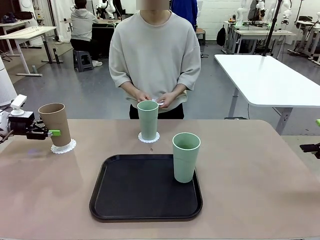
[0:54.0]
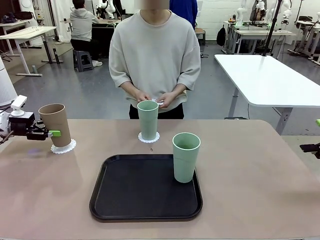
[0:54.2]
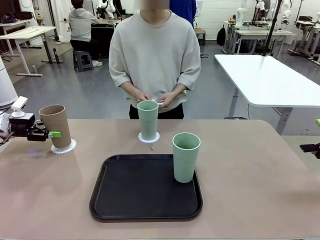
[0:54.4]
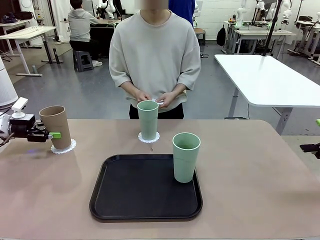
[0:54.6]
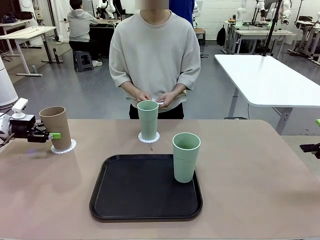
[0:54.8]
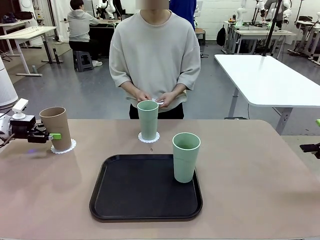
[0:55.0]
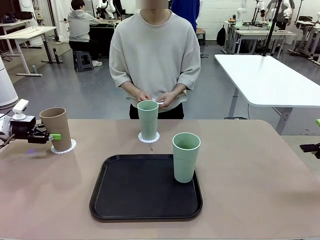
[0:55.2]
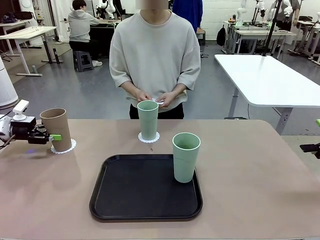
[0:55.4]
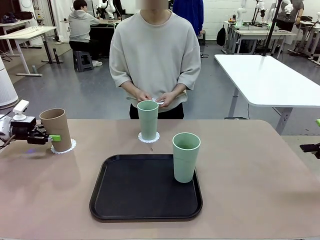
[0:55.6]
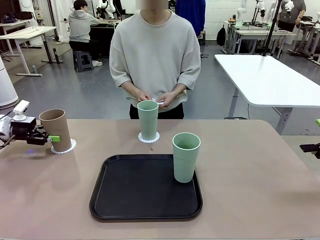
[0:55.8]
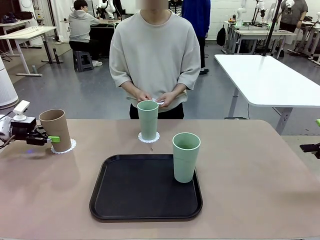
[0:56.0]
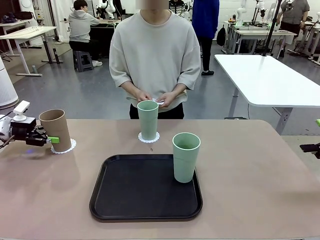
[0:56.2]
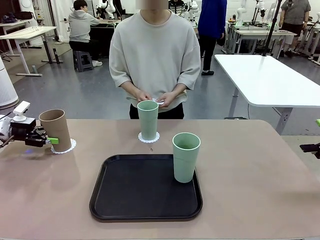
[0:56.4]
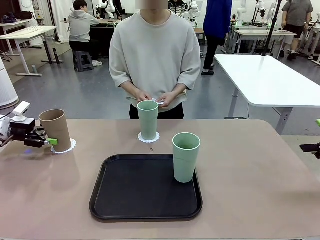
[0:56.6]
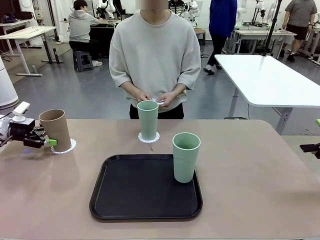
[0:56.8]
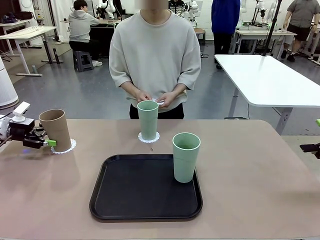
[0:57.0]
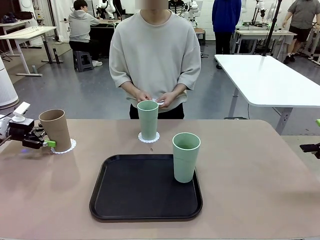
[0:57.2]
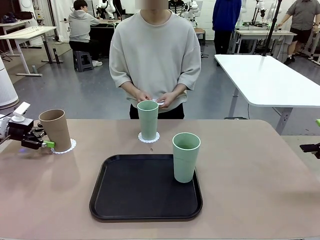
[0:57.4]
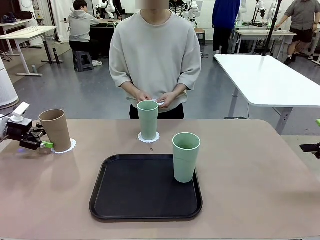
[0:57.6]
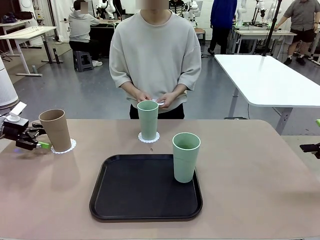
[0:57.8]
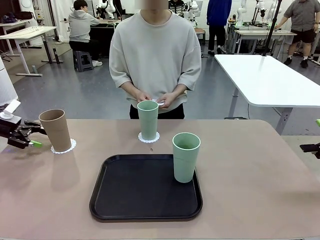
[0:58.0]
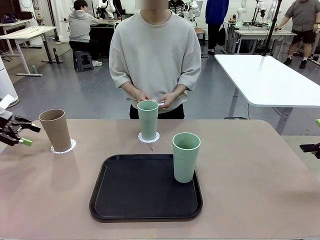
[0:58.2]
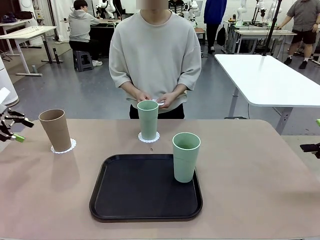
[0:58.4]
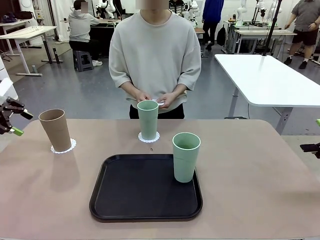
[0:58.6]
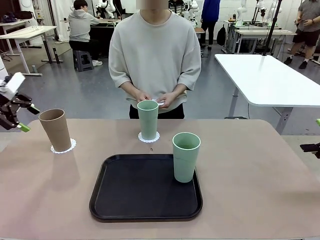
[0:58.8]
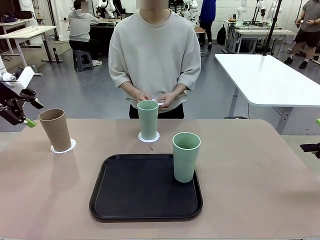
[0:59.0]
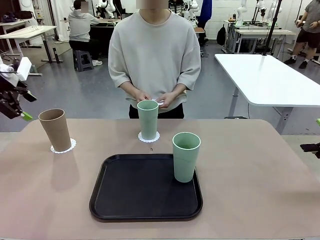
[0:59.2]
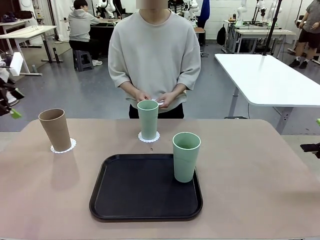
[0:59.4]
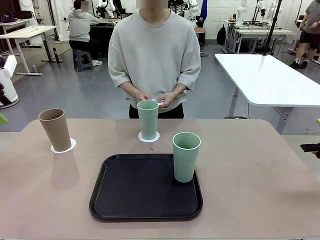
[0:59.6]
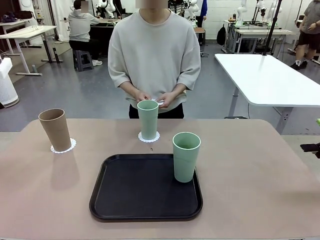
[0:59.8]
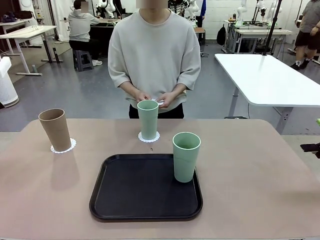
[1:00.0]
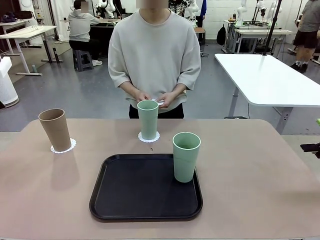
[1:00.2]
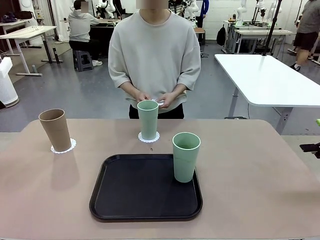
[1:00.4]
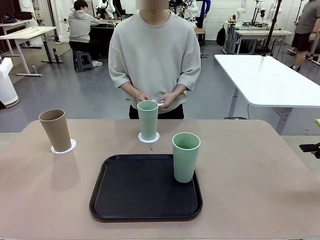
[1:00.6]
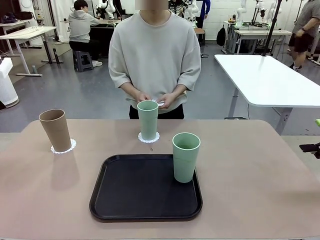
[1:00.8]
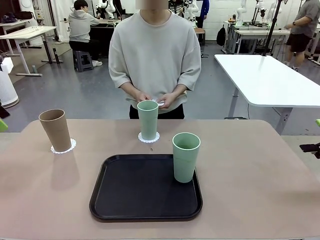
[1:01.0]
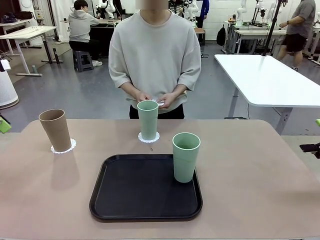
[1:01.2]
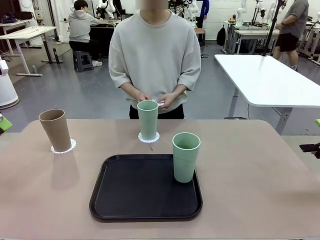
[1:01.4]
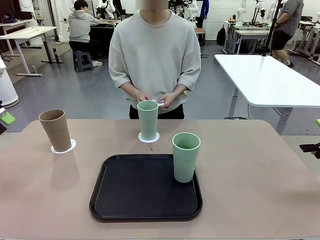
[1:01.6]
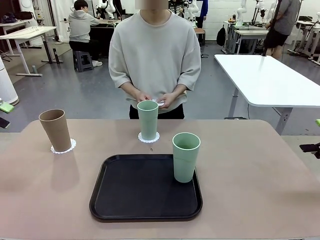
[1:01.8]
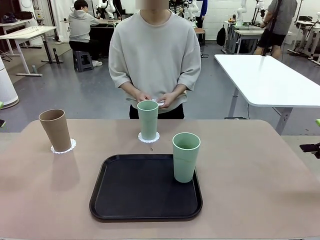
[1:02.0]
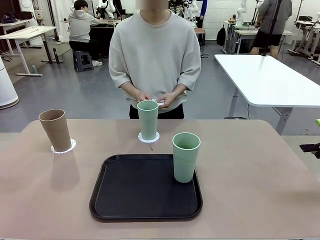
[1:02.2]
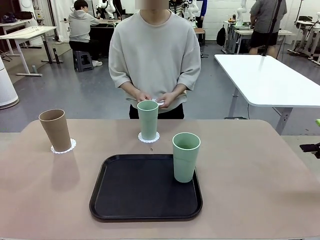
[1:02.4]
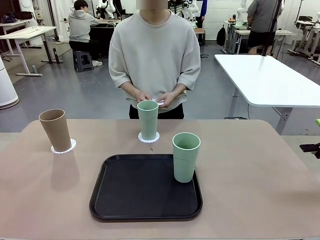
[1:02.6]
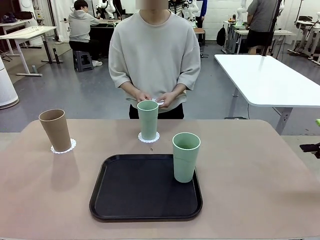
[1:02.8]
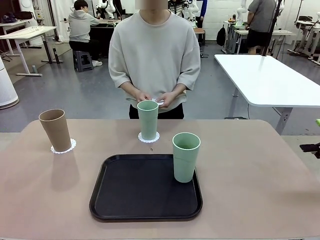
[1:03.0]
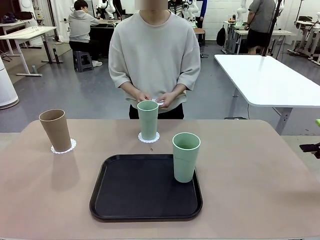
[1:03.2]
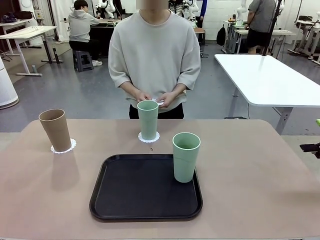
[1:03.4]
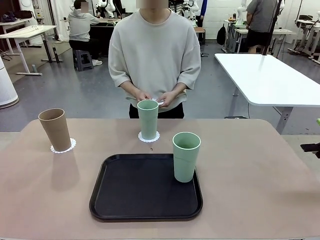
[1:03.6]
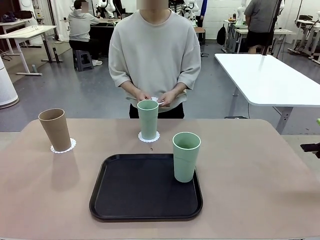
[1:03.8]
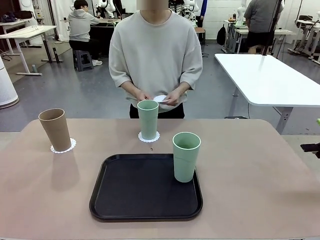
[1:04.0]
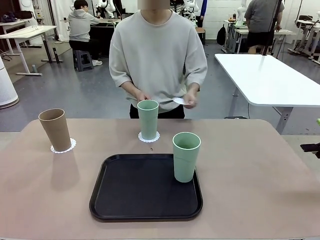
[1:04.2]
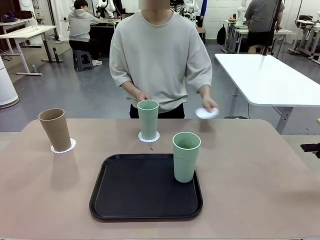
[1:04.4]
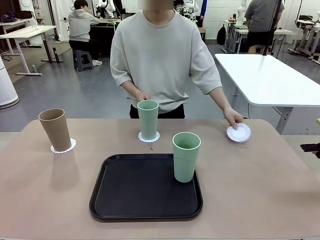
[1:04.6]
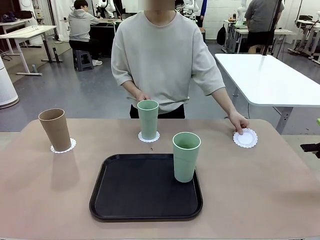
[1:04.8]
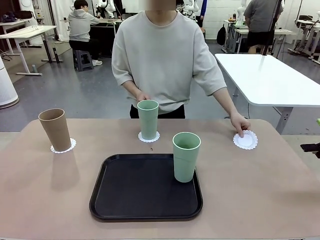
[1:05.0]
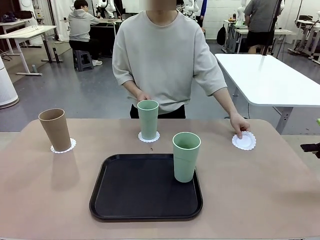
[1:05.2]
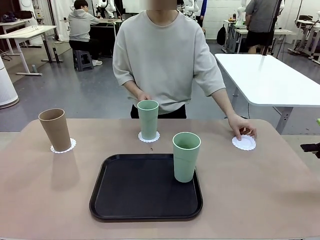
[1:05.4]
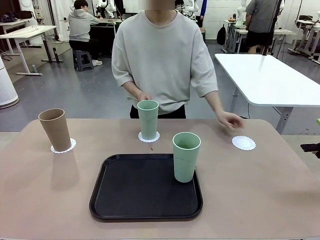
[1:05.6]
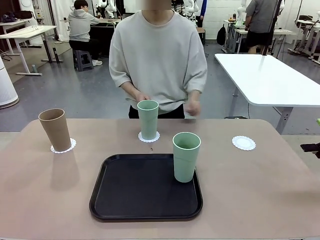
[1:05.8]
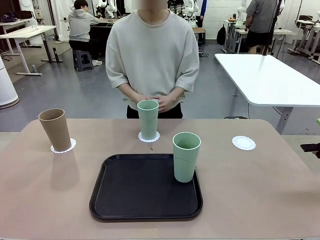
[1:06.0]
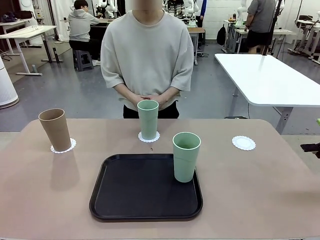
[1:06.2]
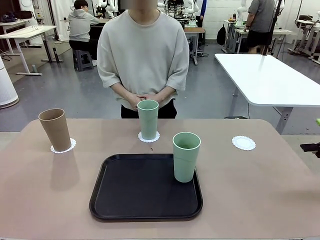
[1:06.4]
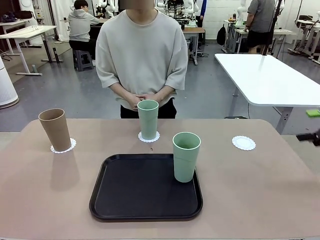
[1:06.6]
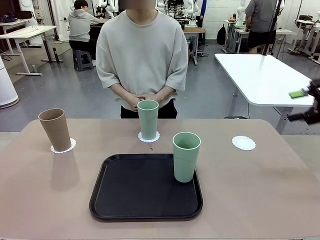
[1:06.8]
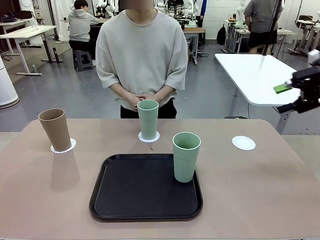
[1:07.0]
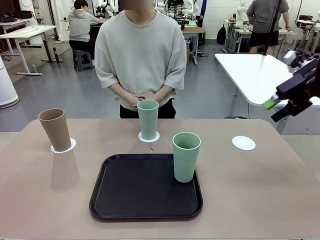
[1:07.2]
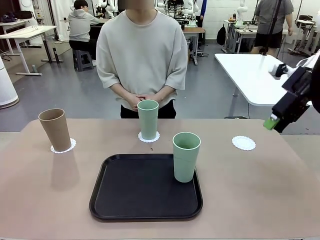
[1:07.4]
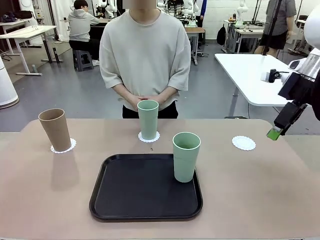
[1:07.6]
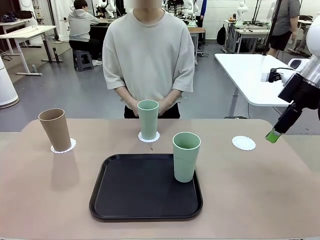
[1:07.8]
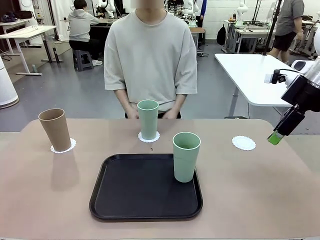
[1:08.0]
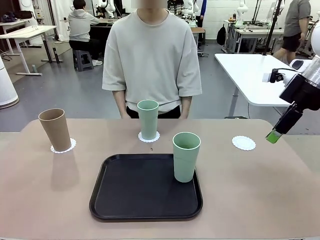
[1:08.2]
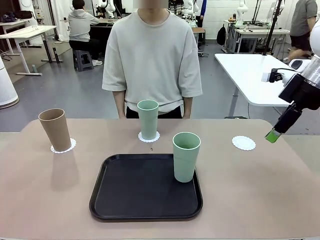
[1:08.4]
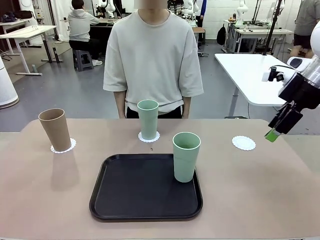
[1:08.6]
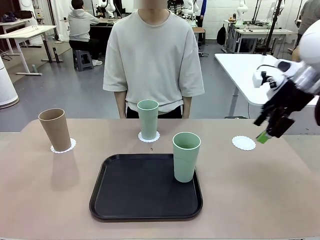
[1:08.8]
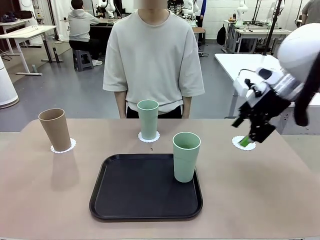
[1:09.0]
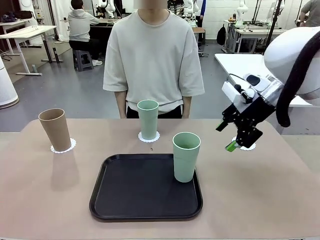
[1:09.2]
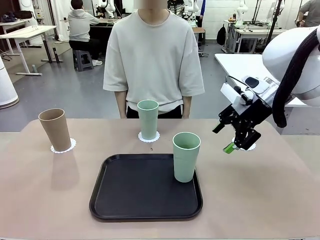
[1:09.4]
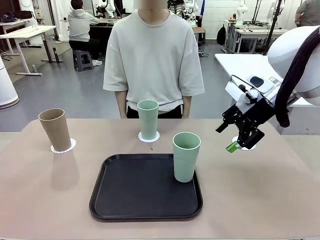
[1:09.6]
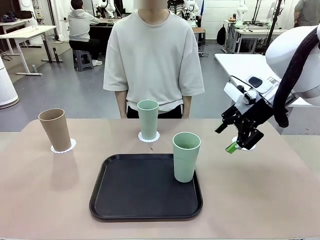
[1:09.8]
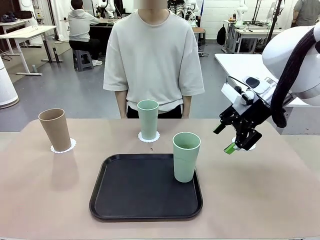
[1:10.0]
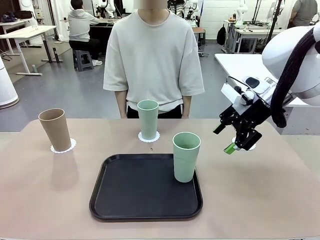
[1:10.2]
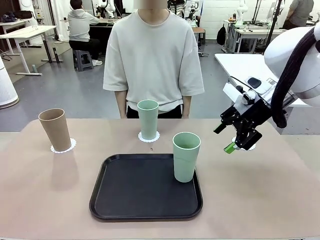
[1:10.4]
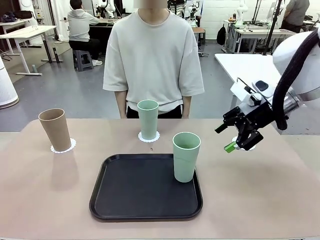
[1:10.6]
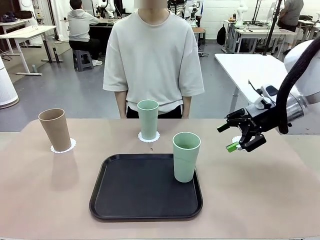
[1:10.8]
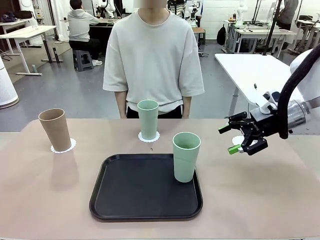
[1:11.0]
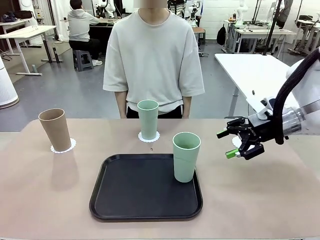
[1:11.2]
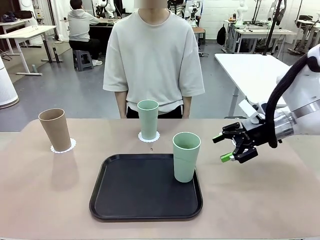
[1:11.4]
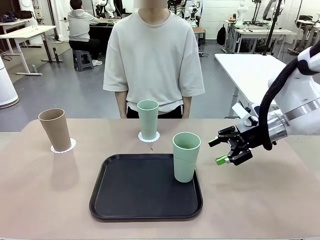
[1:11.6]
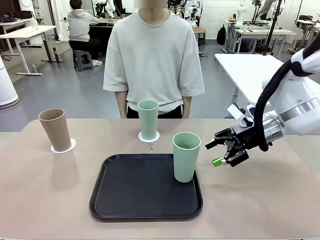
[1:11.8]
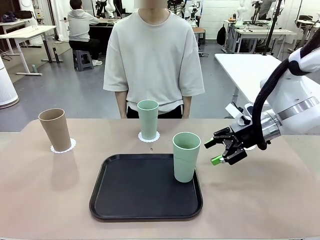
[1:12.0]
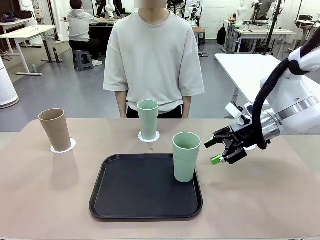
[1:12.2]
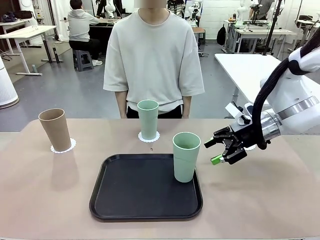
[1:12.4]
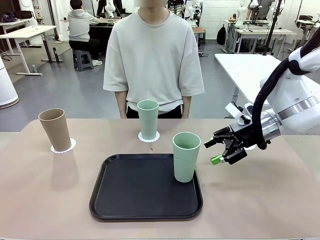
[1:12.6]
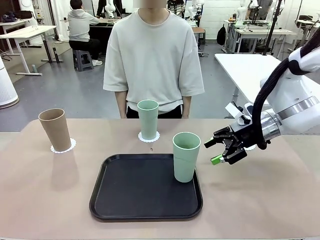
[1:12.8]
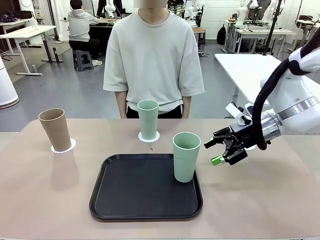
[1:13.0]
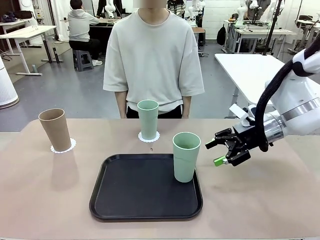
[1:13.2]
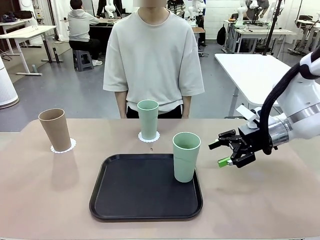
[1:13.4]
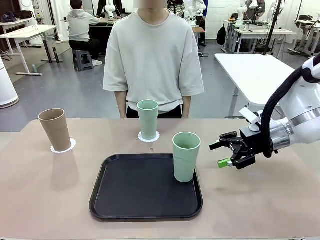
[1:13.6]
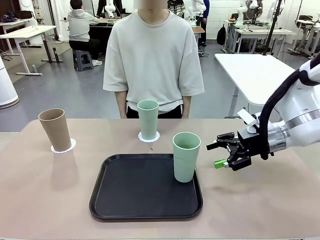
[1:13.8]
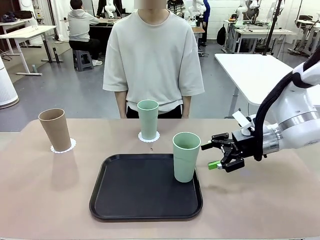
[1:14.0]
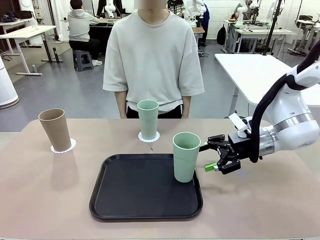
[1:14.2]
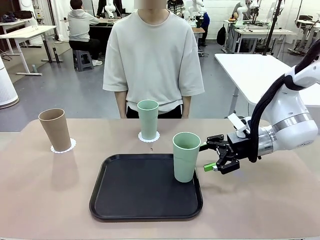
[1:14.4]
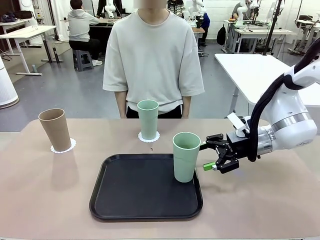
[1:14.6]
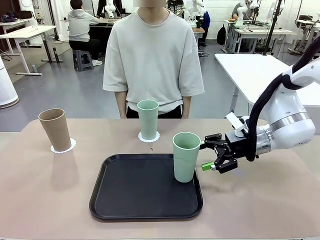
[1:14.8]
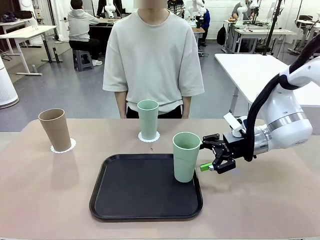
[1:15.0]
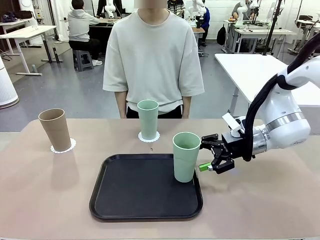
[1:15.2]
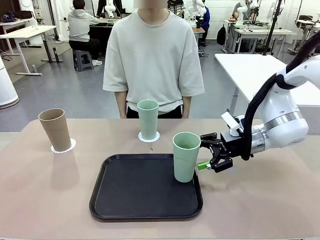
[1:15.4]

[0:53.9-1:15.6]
Task: Place coasters on the table and set cups on them.
Robot: Take one Reusable plastic cup from the Flat Tray and place it on a coaster set by the human.
